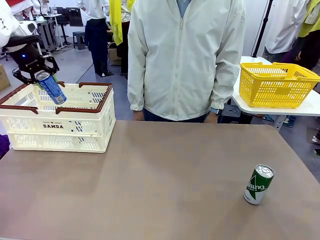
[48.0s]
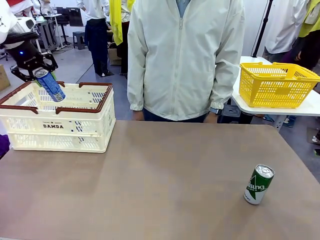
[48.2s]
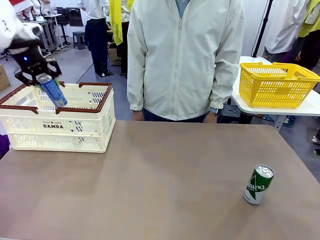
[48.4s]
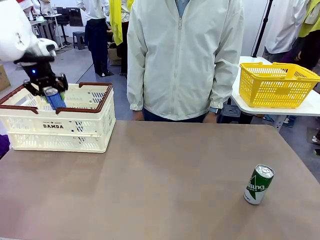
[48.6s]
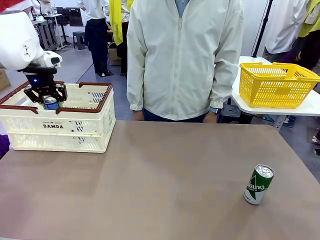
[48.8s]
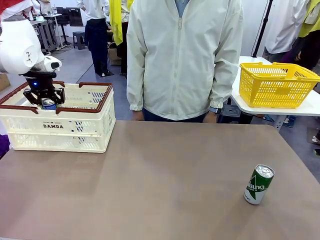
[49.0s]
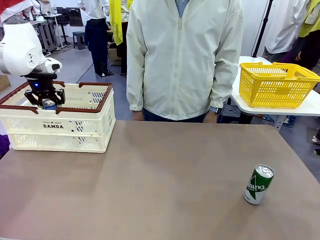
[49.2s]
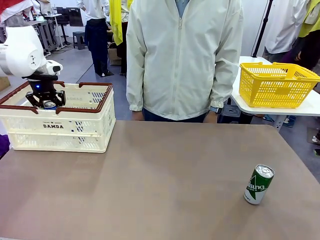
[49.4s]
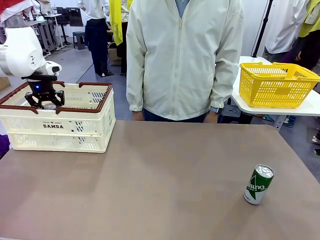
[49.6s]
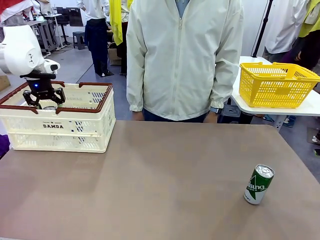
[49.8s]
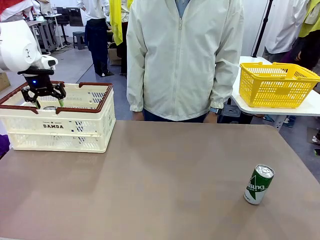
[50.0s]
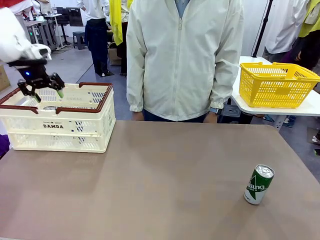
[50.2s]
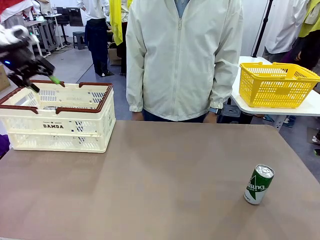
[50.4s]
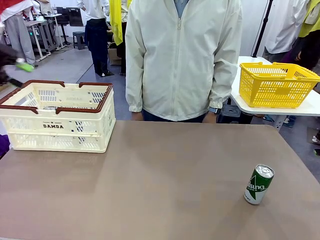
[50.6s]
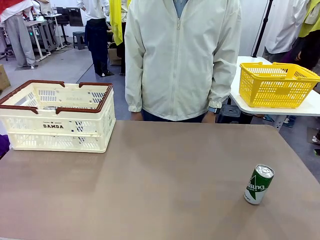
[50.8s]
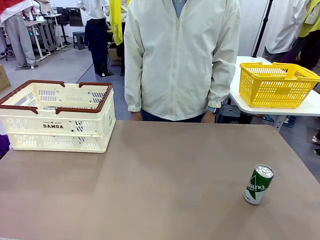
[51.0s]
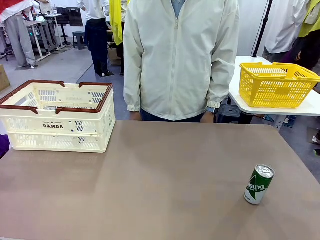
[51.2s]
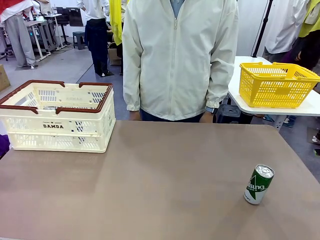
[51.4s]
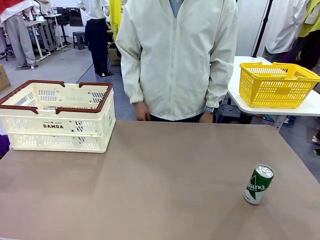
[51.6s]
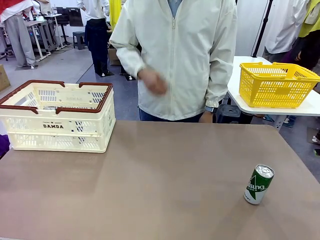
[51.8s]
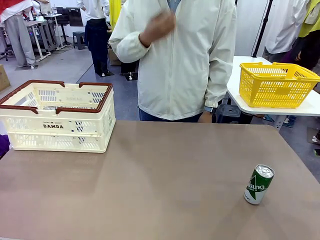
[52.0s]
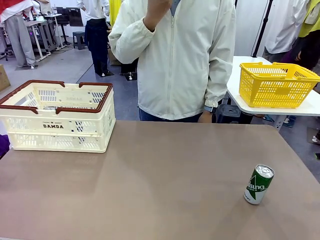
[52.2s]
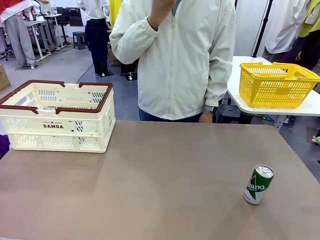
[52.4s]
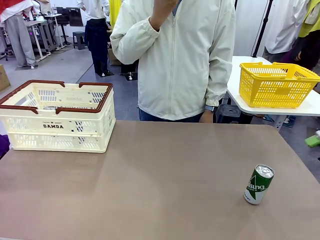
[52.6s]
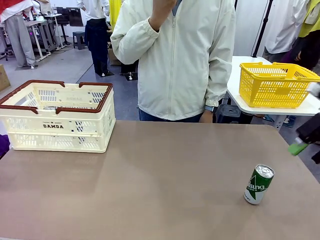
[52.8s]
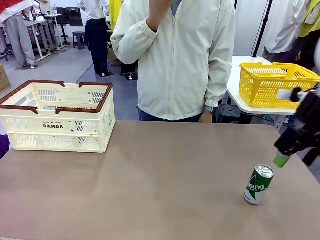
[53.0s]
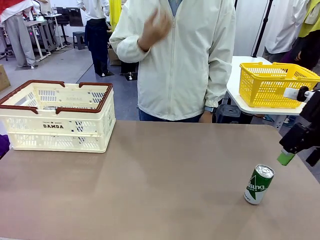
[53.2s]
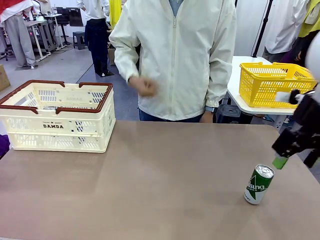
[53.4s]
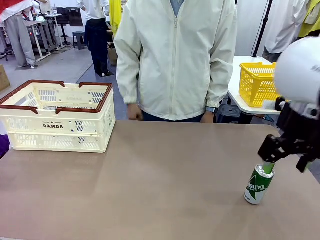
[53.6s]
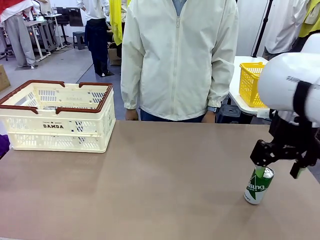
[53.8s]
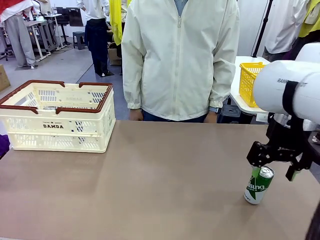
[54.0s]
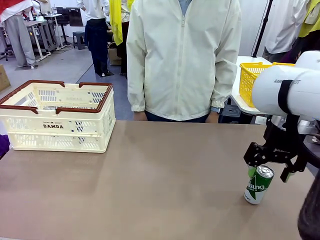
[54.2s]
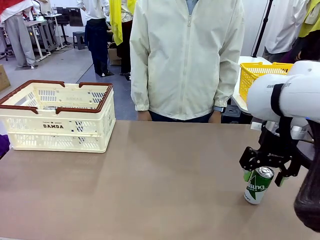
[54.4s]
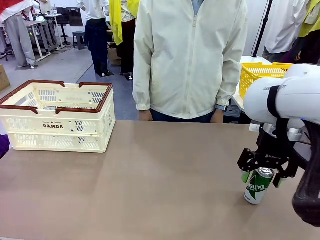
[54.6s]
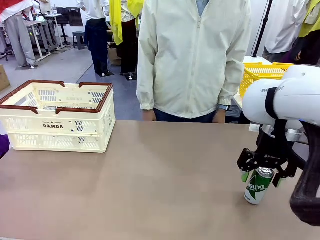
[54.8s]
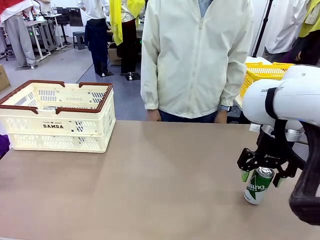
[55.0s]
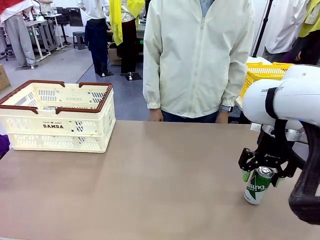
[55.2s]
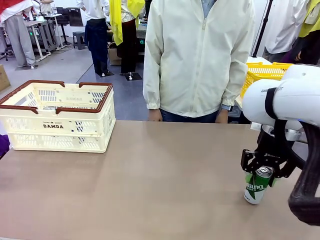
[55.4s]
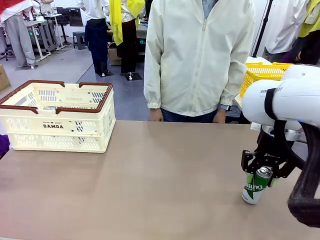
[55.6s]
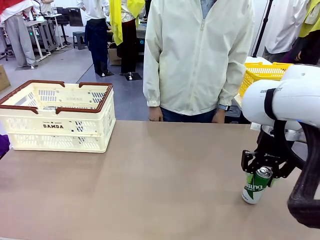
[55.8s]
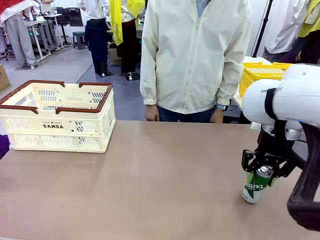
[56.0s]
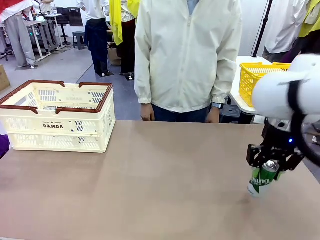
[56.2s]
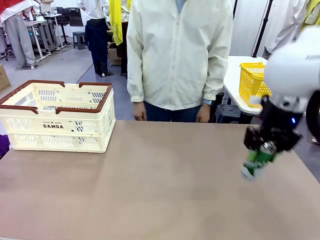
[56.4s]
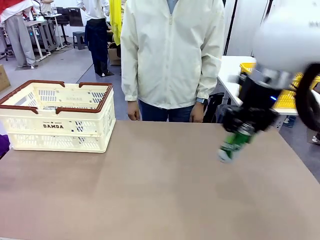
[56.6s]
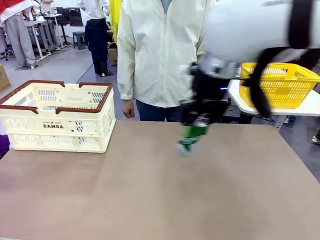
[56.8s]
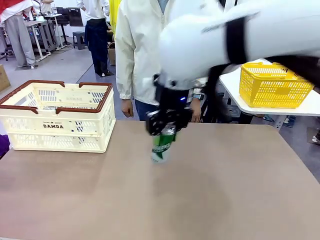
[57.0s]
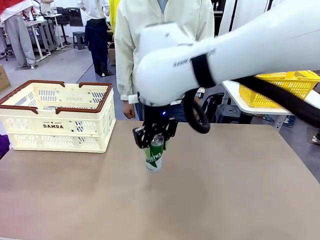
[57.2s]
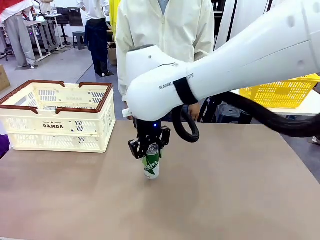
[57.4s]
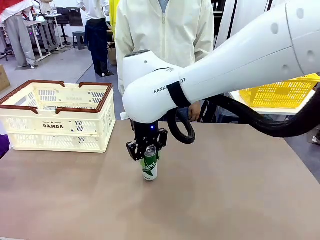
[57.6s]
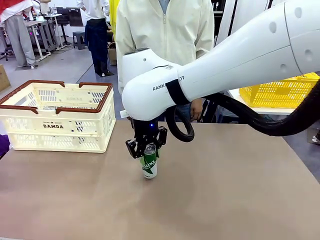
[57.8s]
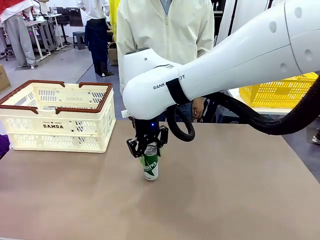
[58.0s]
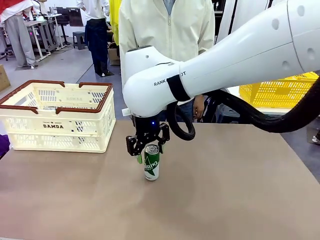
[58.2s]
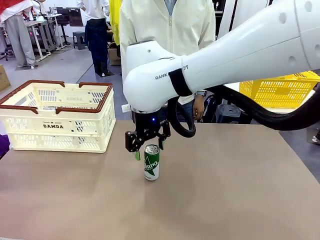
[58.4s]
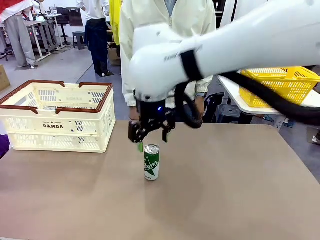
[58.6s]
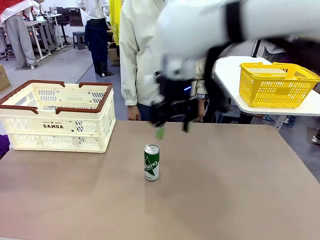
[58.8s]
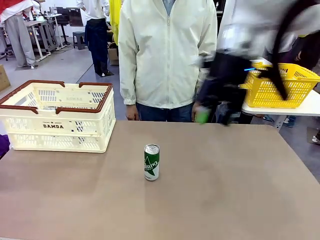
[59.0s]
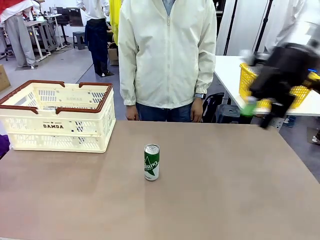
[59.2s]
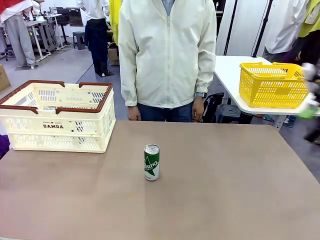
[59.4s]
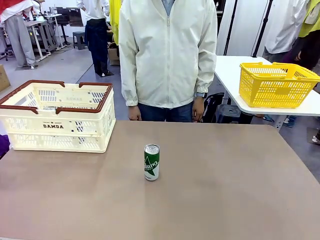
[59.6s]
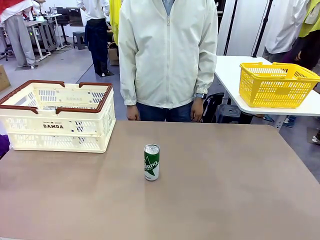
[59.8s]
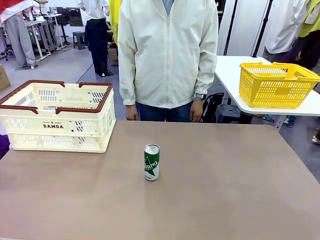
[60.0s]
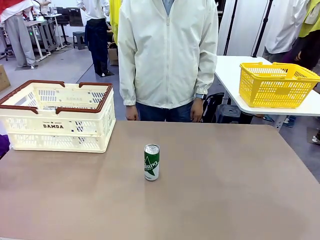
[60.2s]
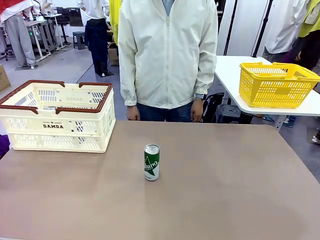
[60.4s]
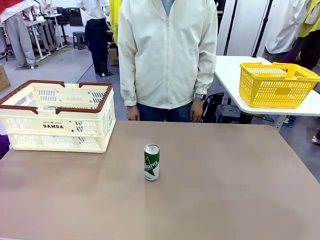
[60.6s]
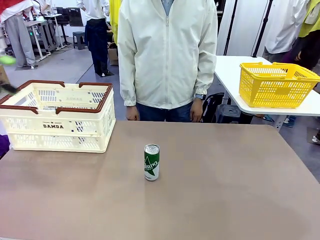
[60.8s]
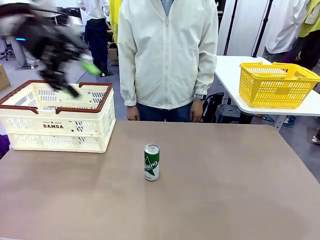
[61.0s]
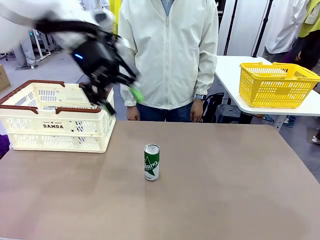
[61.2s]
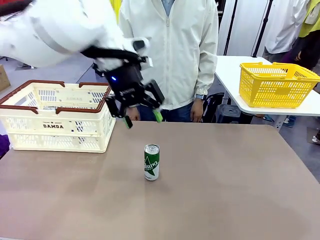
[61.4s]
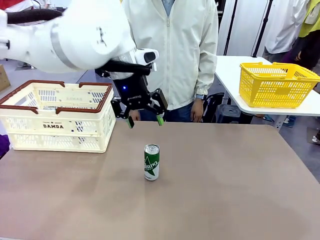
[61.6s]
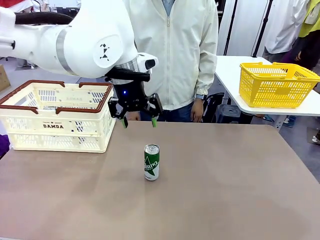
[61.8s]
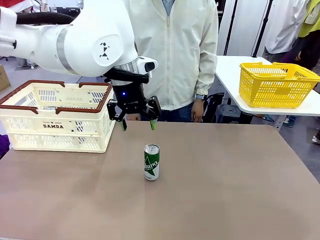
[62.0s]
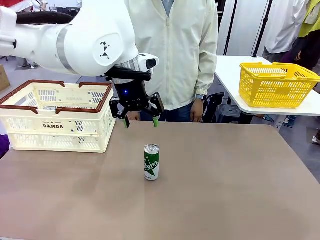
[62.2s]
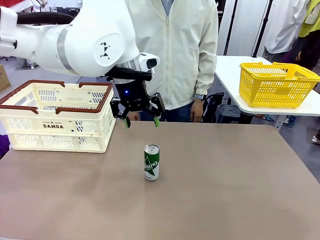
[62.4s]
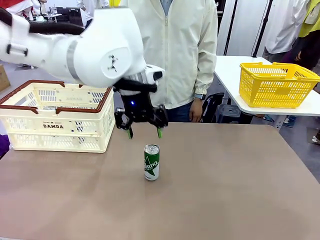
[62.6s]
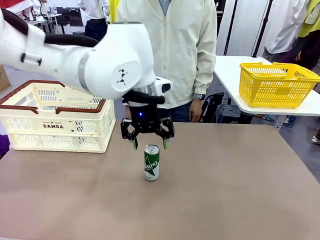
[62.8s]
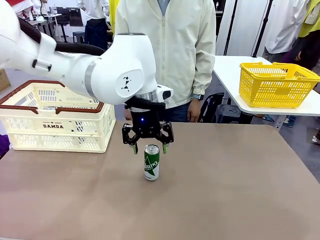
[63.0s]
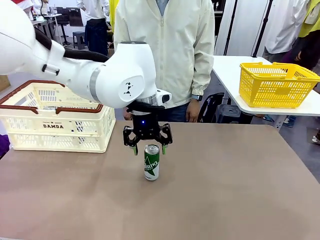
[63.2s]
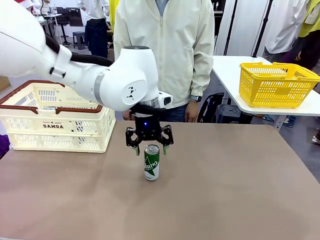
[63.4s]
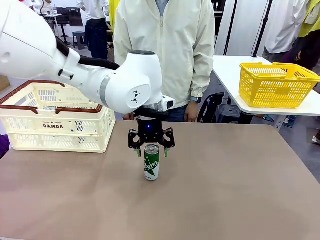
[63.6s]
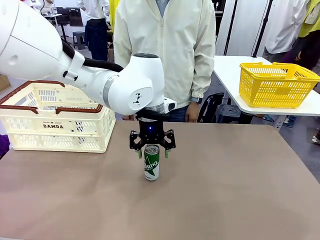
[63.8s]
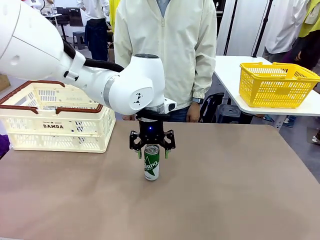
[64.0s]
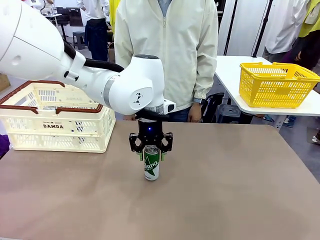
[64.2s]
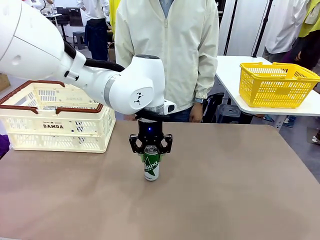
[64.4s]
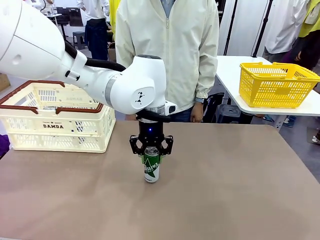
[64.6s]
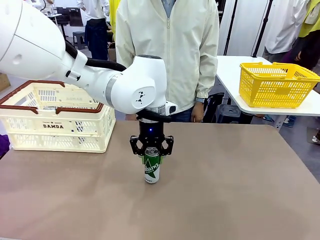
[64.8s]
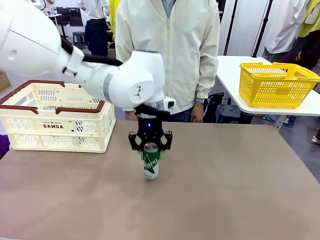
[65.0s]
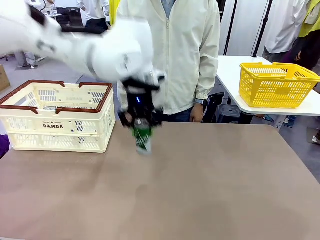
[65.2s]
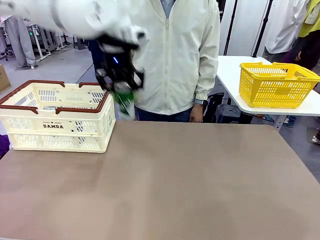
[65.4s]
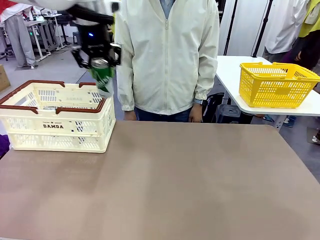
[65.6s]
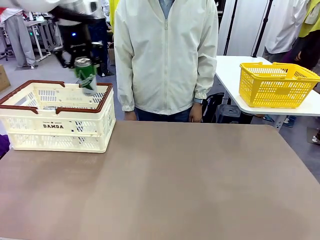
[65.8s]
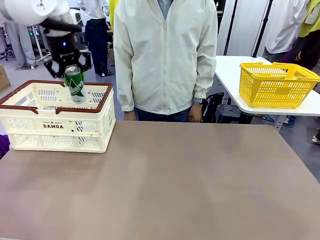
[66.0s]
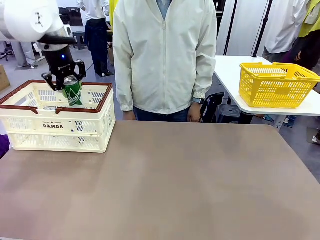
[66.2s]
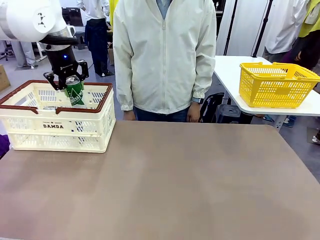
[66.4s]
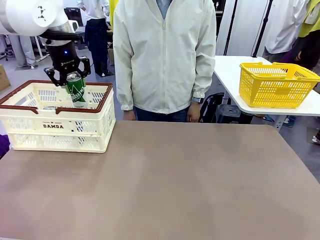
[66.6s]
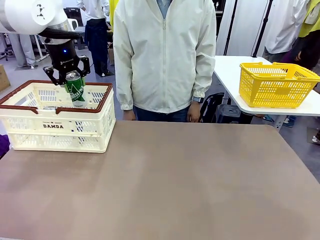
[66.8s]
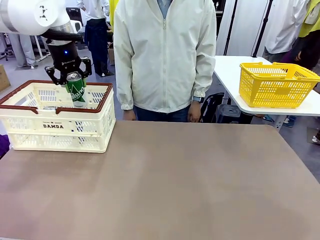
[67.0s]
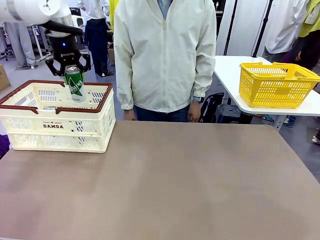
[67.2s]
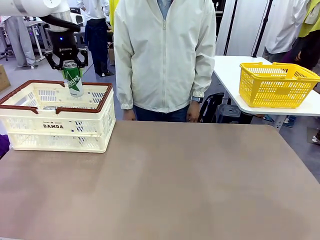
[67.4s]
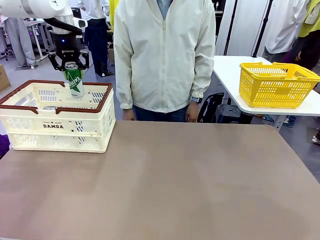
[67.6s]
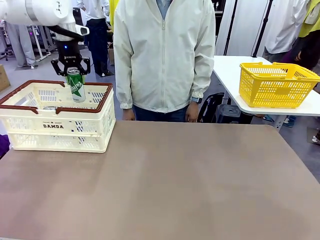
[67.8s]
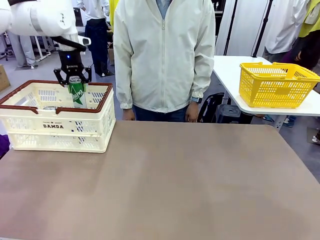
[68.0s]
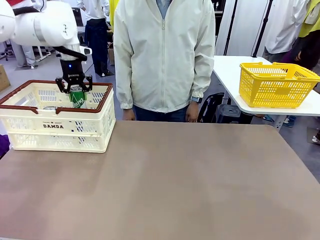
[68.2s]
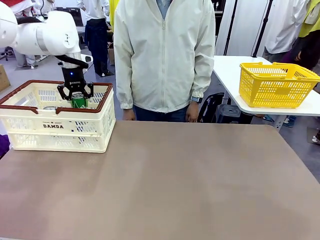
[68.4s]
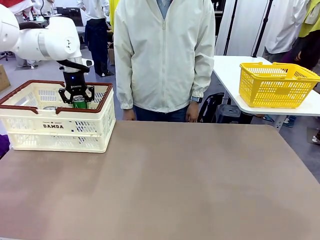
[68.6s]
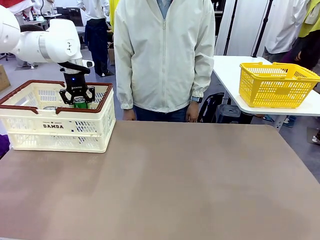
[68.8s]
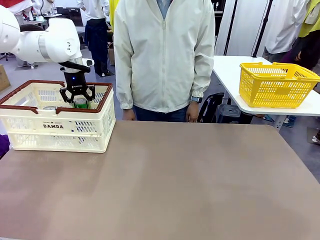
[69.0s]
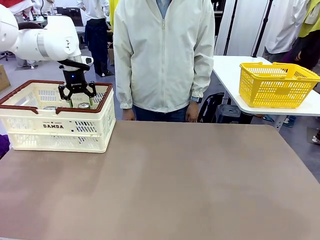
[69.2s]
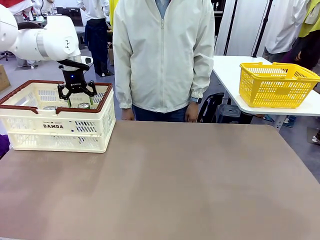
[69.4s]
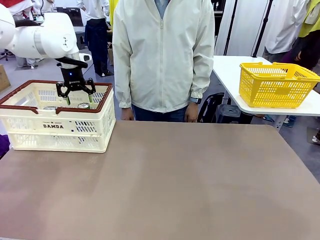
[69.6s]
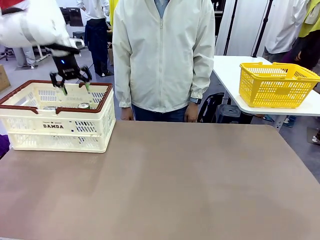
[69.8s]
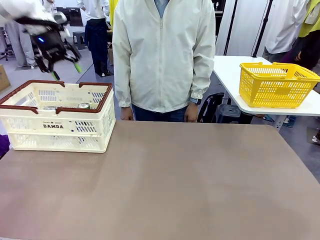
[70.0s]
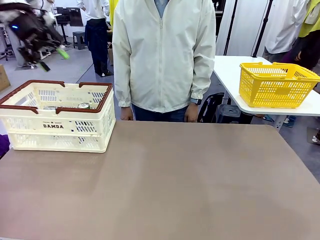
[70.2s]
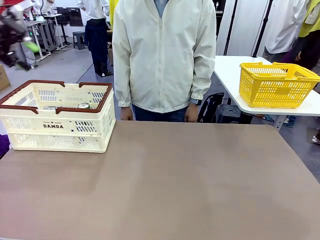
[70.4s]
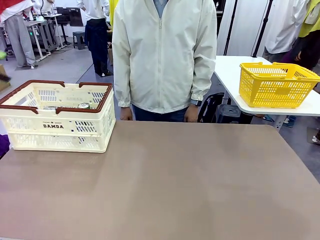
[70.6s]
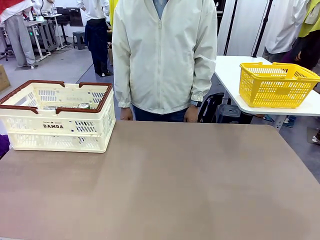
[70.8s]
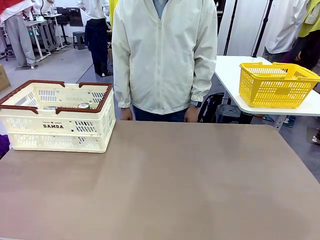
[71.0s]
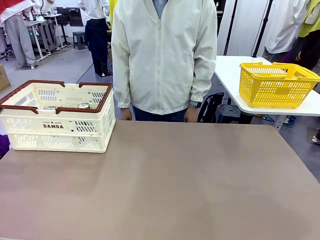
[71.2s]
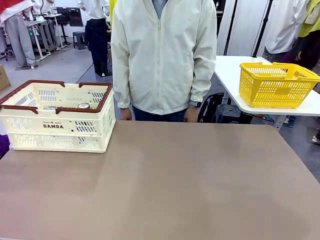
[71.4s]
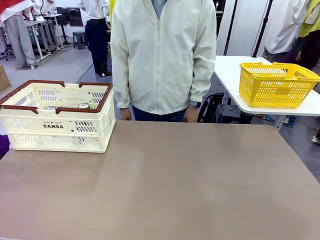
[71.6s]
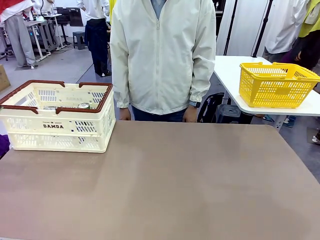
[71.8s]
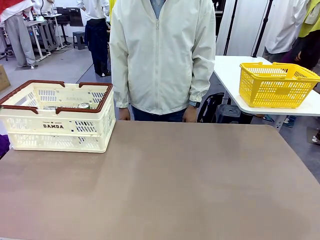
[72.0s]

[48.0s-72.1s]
Task: Place the drinks into the Shopping basket.
Robot: Pick up one drink and place it into the Shopping basket.
